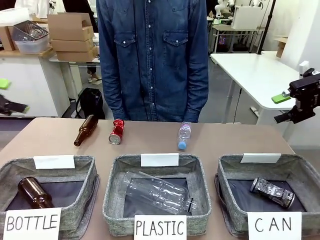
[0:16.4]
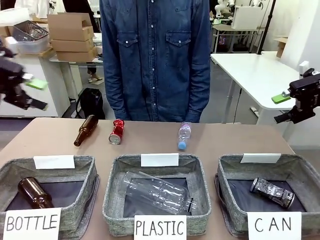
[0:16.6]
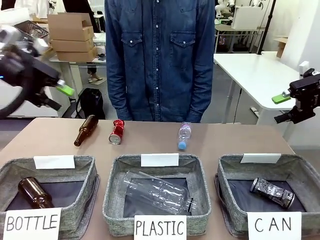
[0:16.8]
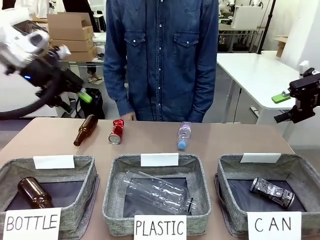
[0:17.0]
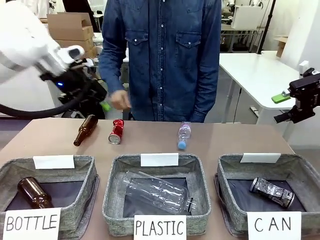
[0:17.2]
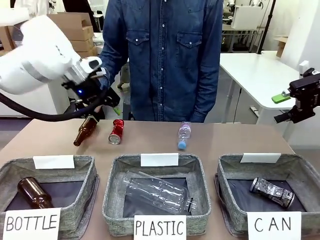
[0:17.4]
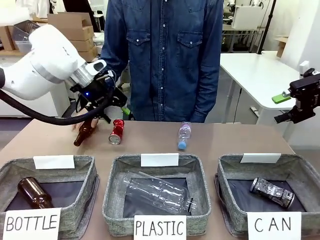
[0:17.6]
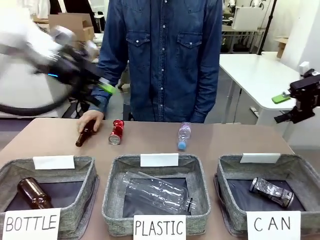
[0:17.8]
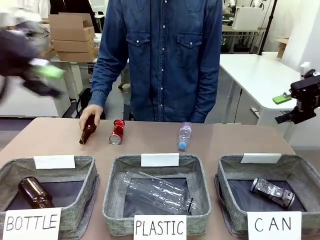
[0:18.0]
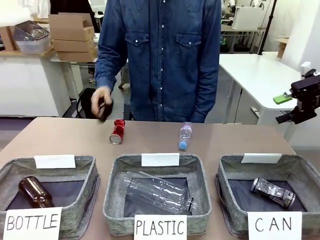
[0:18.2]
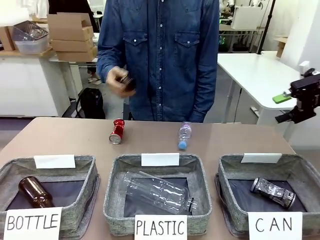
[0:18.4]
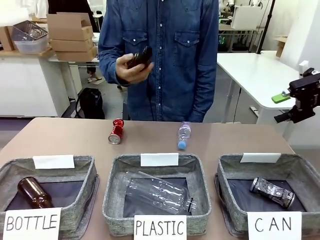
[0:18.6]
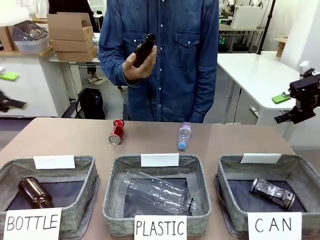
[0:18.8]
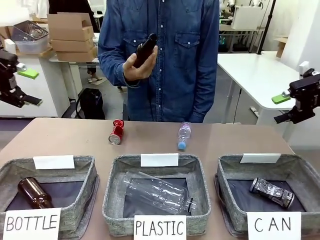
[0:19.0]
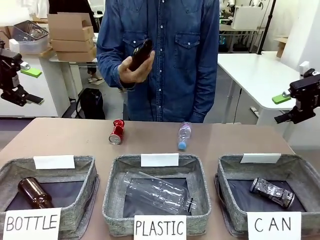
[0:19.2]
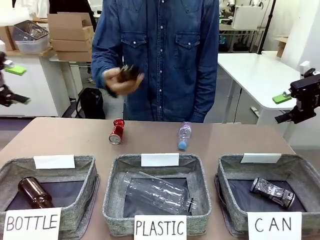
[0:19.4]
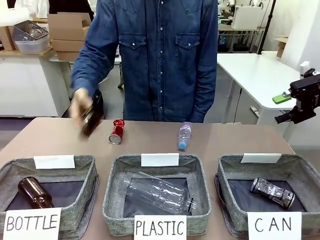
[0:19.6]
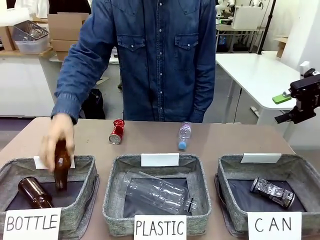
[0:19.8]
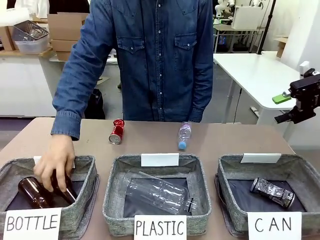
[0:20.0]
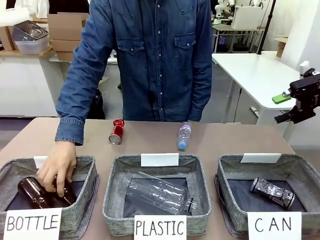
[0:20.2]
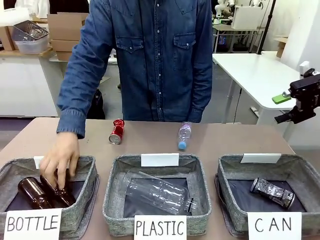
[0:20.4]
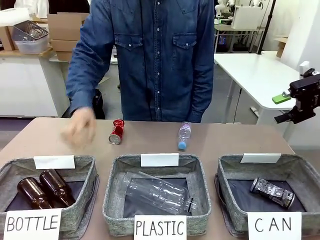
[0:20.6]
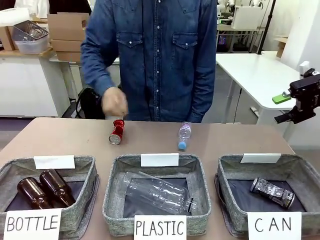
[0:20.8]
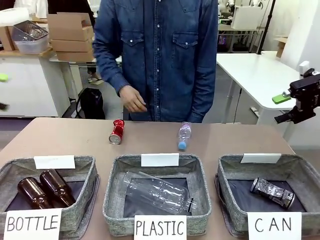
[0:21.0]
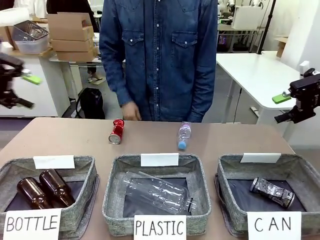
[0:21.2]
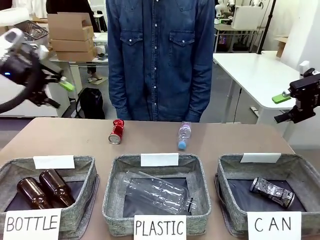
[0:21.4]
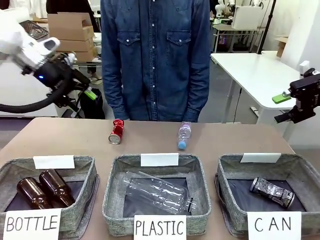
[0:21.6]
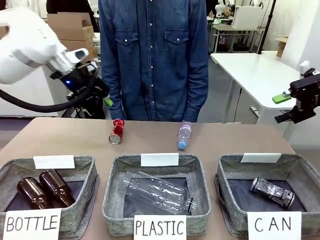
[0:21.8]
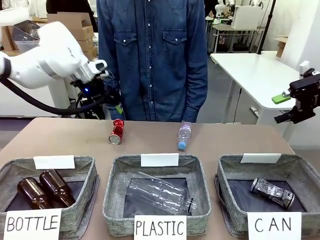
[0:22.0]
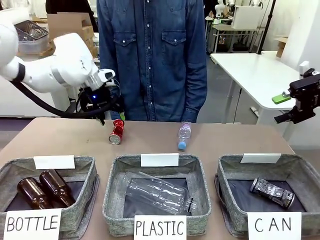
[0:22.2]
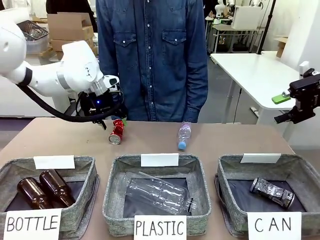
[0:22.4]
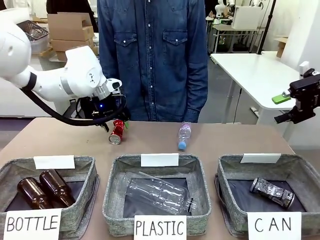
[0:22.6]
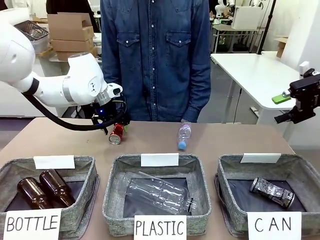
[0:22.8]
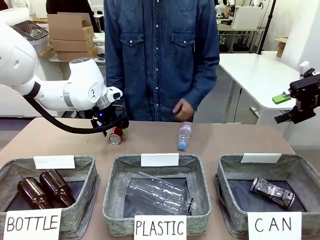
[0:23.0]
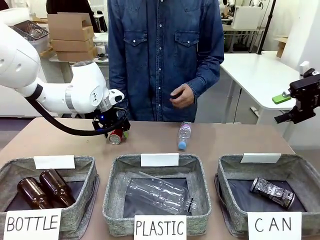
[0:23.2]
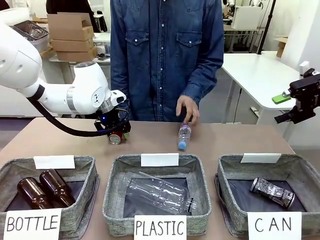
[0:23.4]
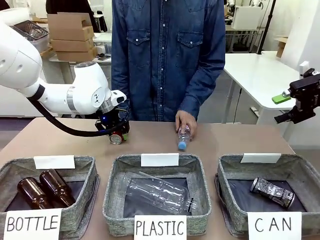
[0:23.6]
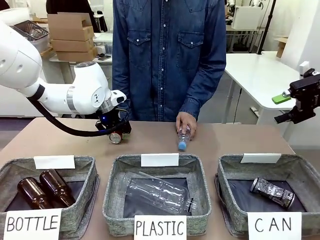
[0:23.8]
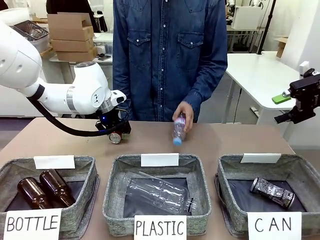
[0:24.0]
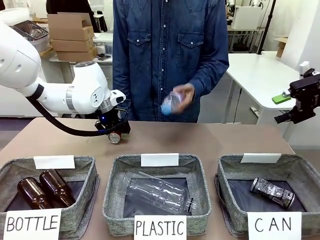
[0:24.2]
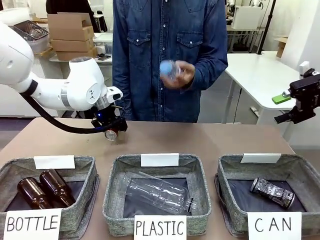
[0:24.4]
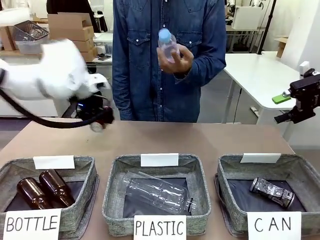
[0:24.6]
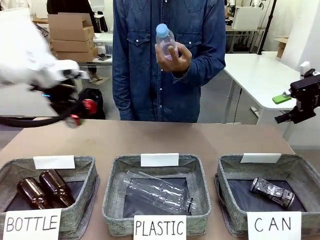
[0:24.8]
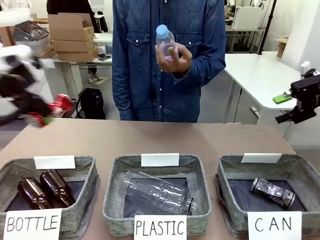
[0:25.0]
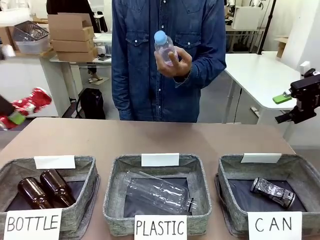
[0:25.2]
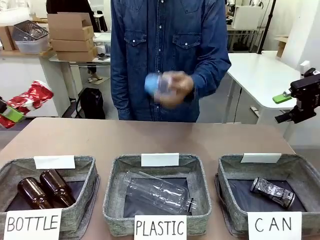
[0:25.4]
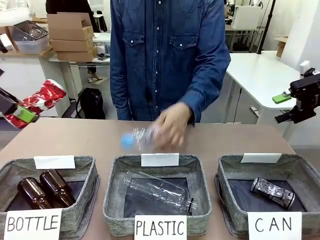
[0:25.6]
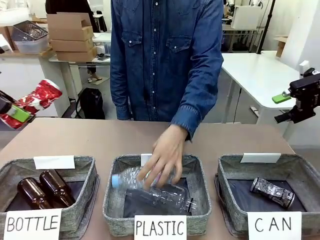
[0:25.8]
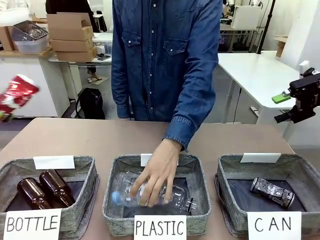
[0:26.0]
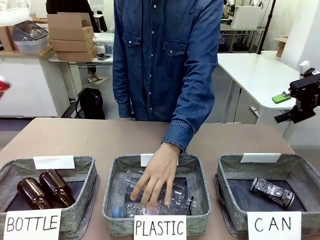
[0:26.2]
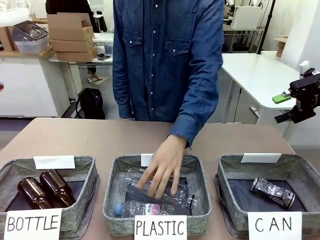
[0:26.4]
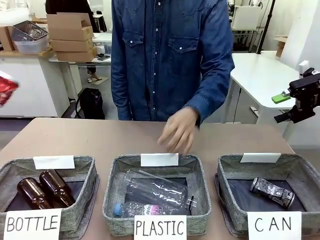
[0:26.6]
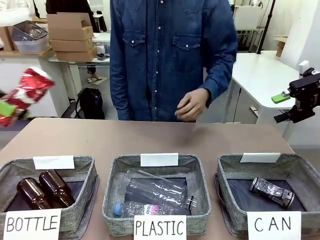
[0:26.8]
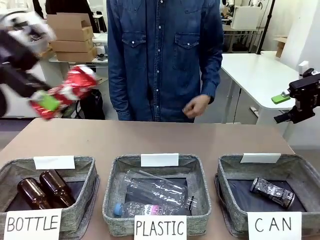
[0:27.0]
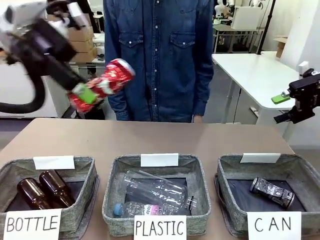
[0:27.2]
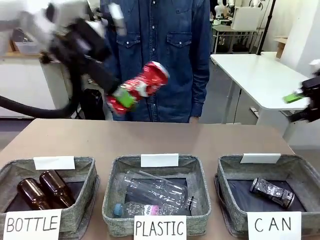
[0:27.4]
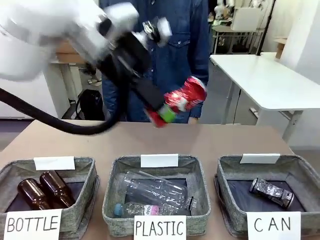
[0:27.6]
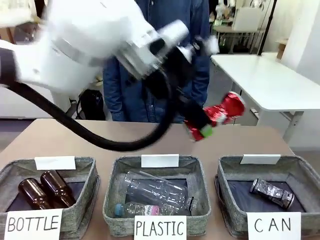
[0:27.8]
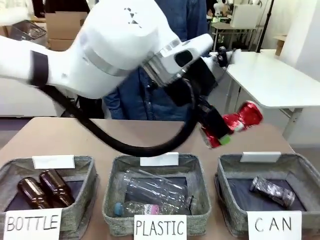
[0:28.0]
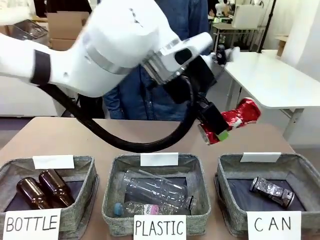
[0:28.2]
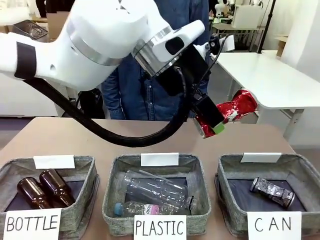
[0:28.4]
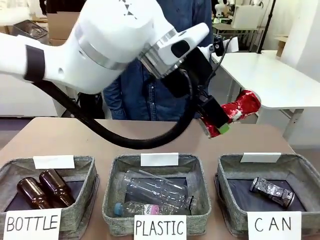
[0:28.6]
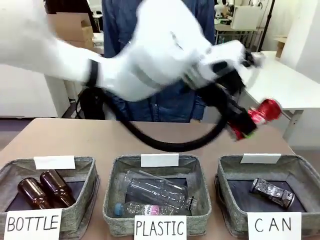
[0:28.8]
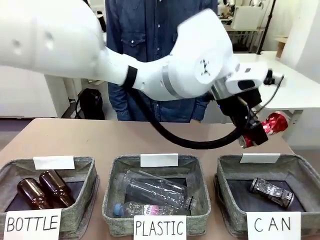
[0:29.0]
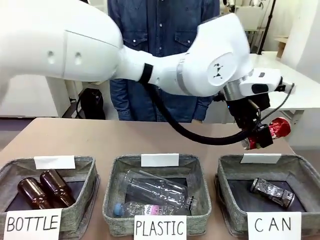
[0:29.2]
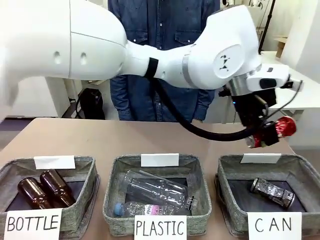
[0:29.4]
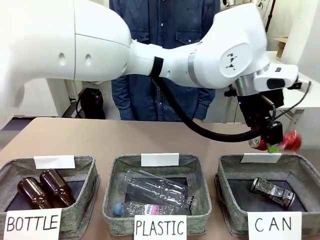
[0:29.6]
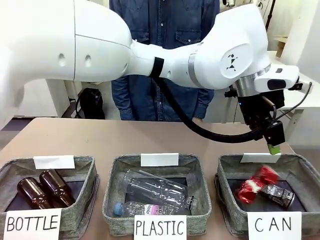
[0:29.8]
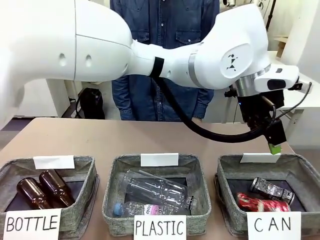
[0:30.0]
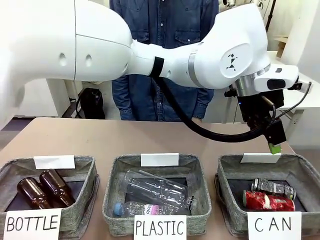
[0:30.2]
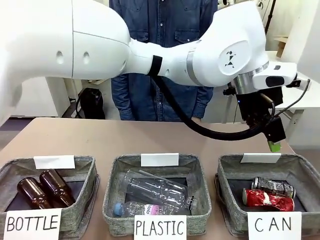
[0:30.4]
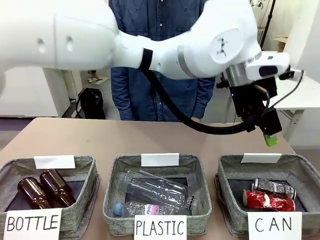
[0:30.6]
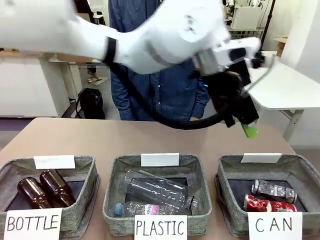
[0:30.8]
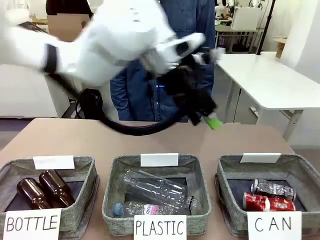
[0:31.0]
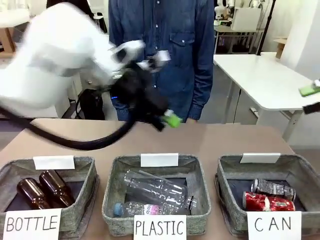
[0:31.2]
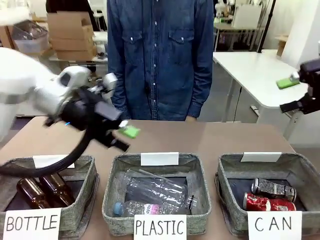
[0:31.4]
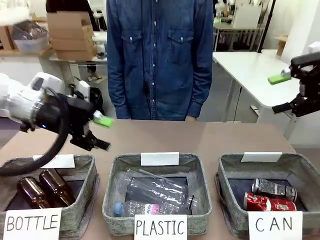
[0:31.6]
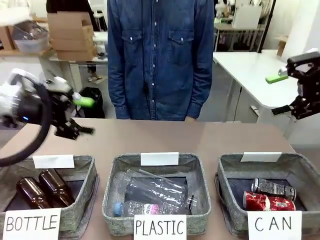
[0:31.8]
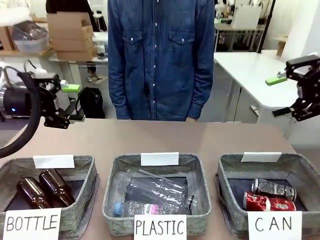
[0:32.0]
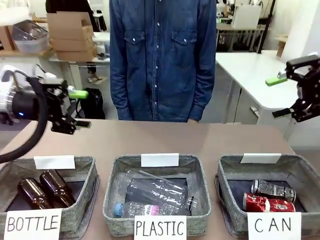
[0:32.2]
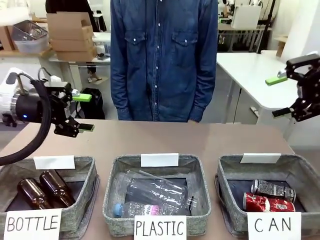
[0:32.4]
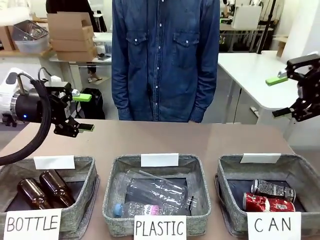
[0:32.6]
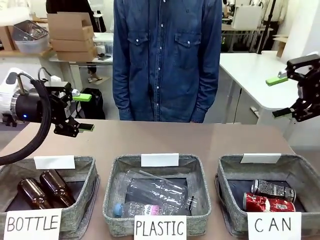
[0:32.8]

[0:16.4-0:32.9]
Task: Sort the can waste into the basket.
Robot: Pick up the can waste from the table and place it in the right Fabric basket.
Person: The human picks up one piece of trash that is not a can and places the trash into the appropriate organizing basket.
